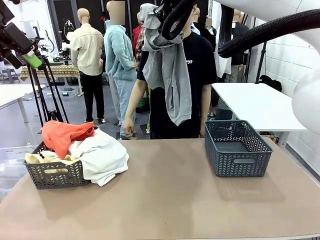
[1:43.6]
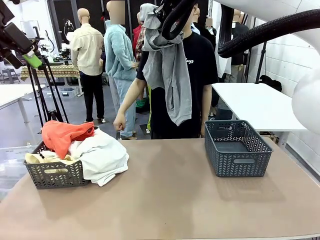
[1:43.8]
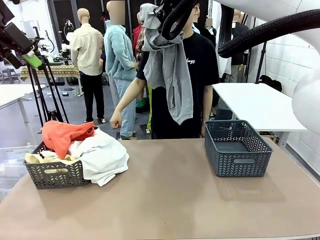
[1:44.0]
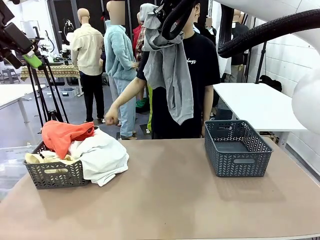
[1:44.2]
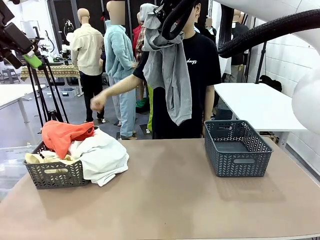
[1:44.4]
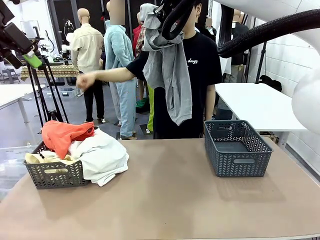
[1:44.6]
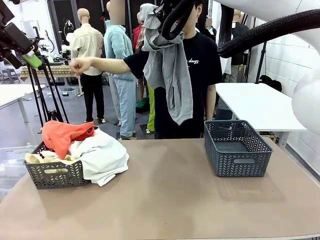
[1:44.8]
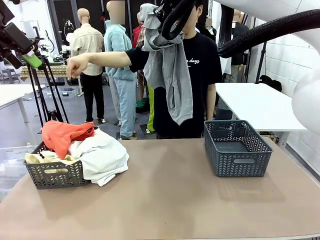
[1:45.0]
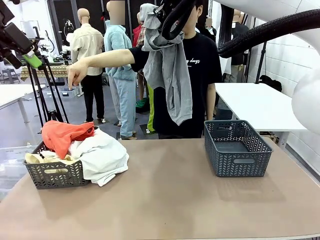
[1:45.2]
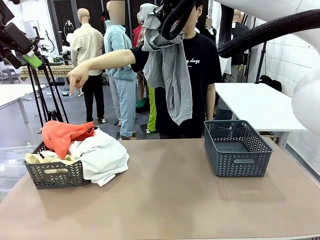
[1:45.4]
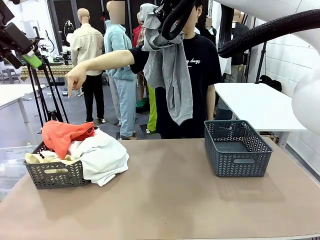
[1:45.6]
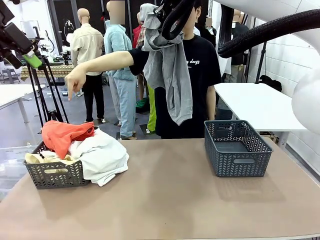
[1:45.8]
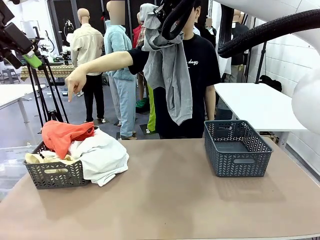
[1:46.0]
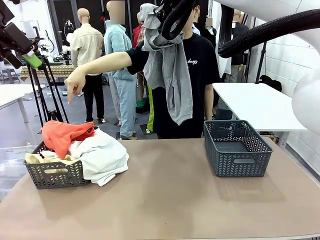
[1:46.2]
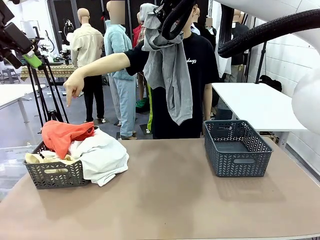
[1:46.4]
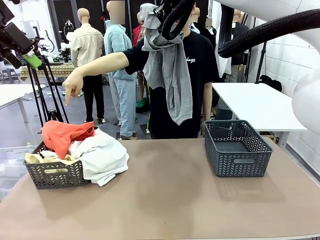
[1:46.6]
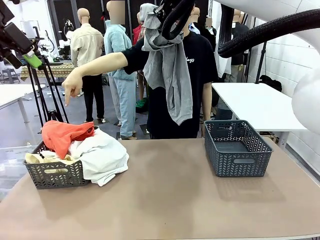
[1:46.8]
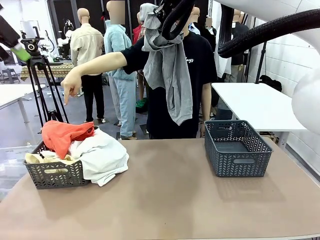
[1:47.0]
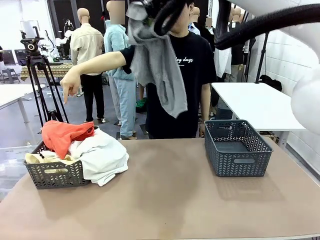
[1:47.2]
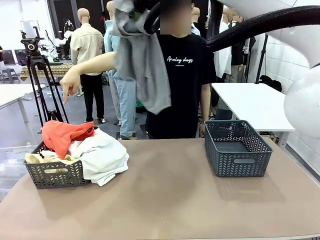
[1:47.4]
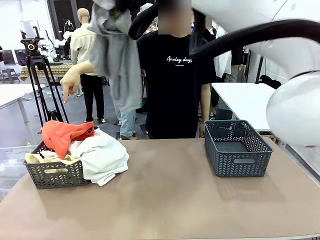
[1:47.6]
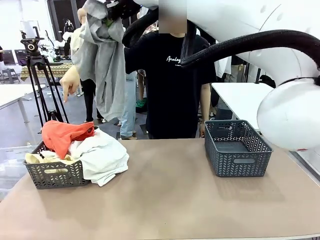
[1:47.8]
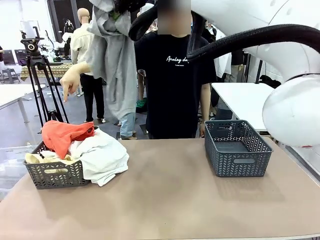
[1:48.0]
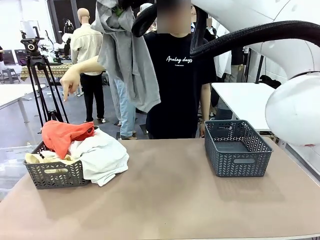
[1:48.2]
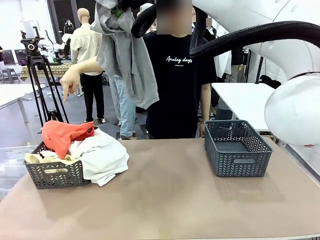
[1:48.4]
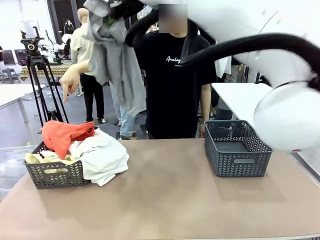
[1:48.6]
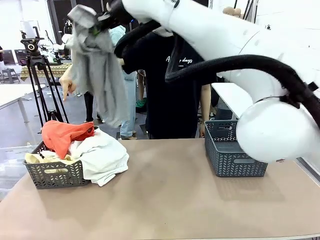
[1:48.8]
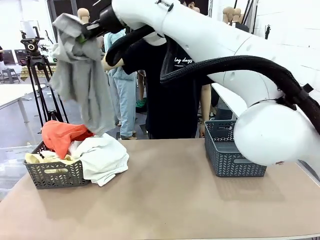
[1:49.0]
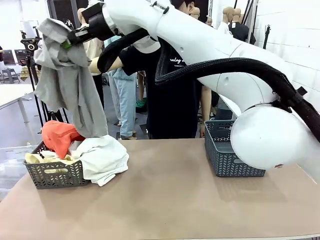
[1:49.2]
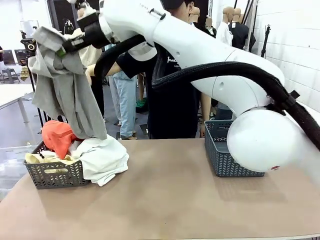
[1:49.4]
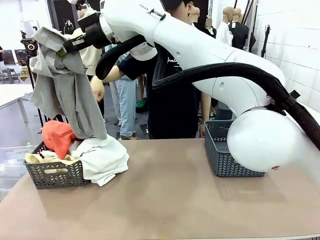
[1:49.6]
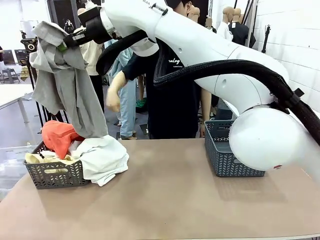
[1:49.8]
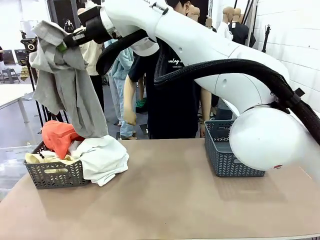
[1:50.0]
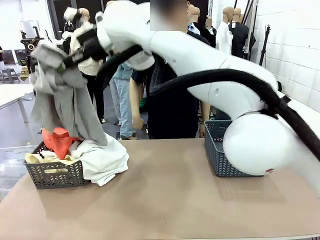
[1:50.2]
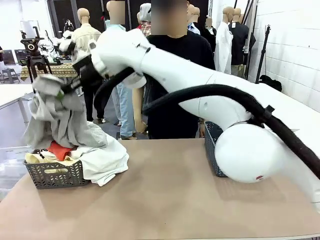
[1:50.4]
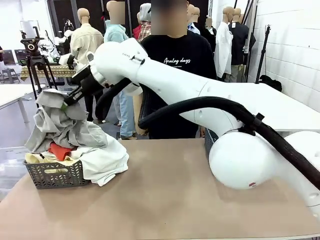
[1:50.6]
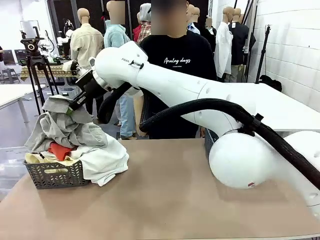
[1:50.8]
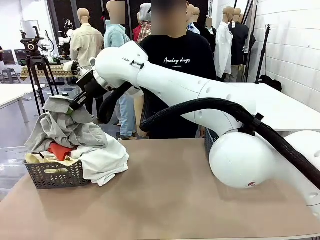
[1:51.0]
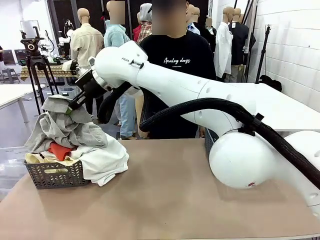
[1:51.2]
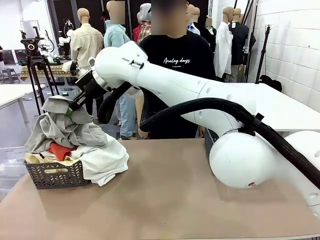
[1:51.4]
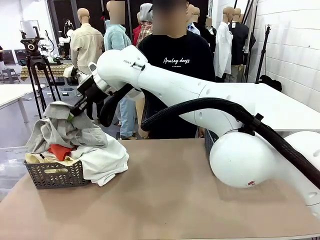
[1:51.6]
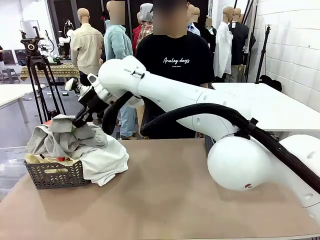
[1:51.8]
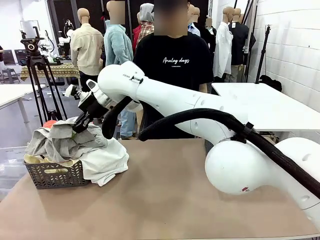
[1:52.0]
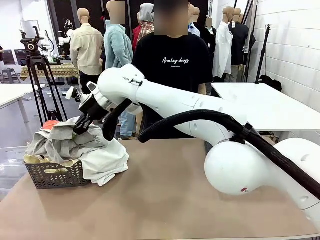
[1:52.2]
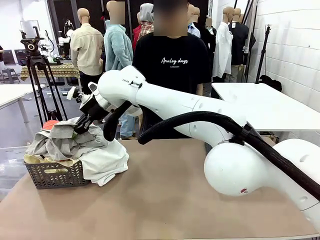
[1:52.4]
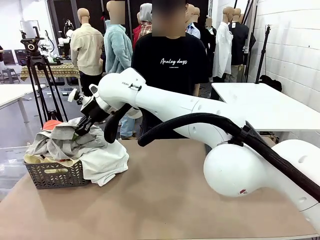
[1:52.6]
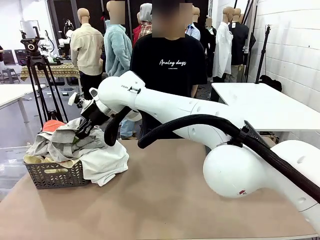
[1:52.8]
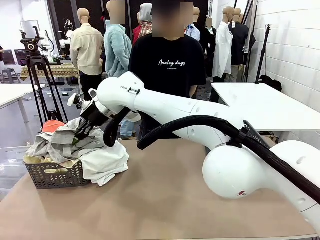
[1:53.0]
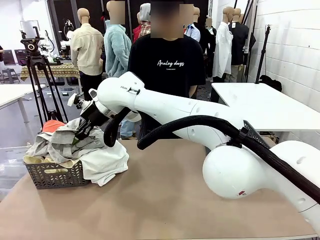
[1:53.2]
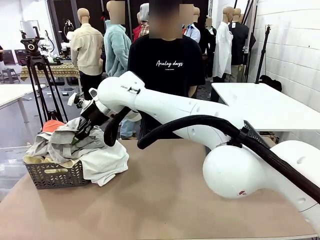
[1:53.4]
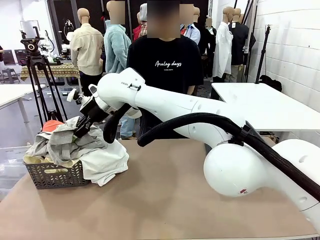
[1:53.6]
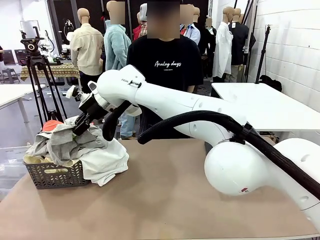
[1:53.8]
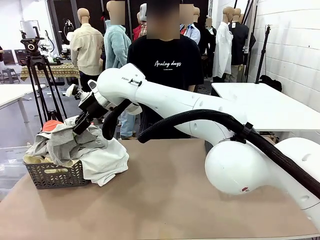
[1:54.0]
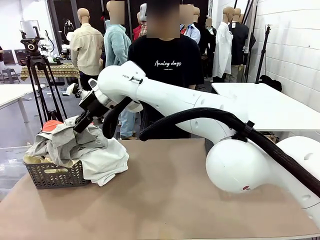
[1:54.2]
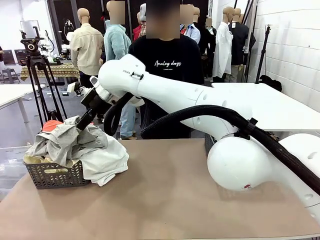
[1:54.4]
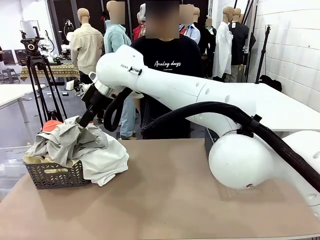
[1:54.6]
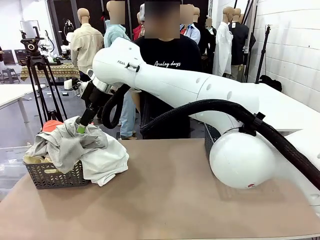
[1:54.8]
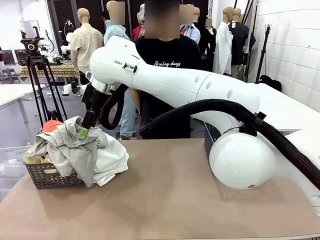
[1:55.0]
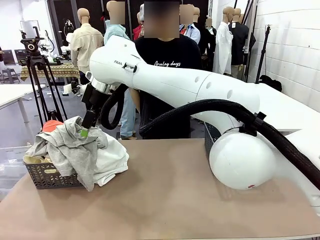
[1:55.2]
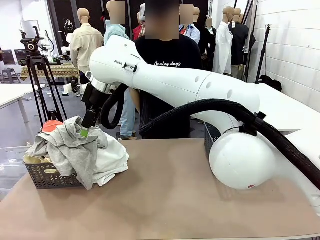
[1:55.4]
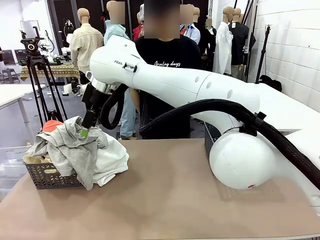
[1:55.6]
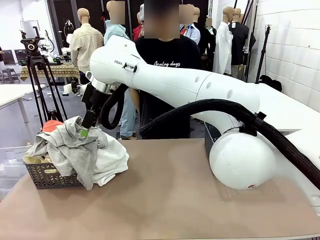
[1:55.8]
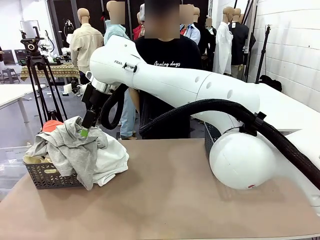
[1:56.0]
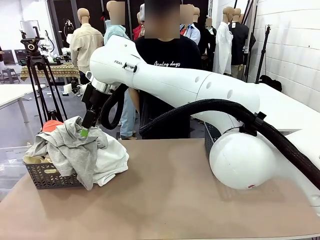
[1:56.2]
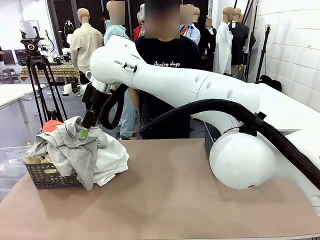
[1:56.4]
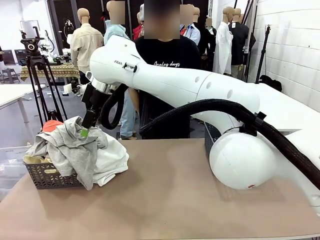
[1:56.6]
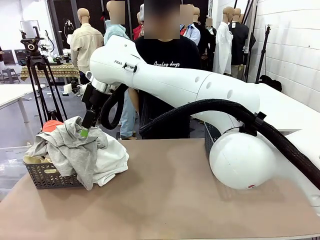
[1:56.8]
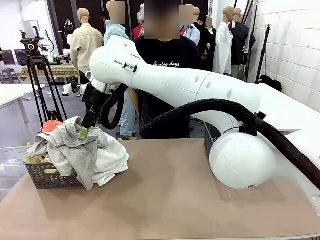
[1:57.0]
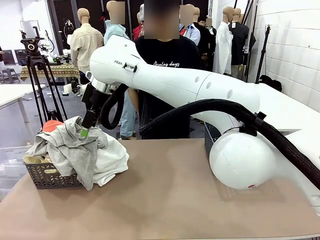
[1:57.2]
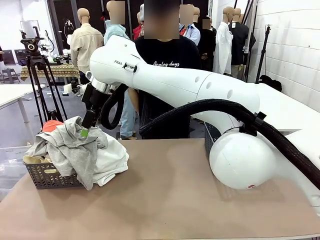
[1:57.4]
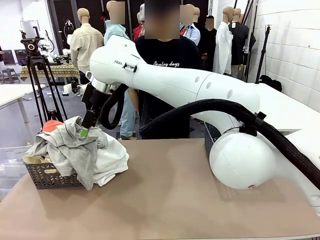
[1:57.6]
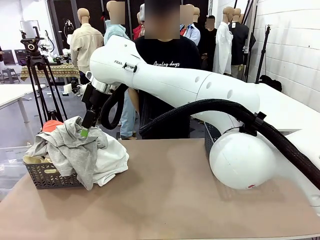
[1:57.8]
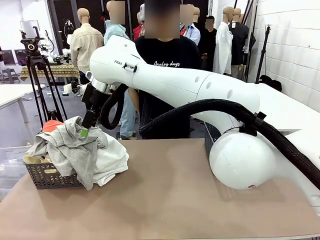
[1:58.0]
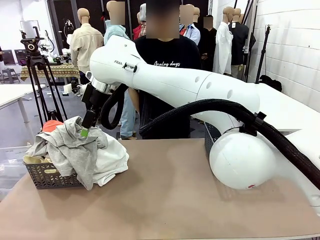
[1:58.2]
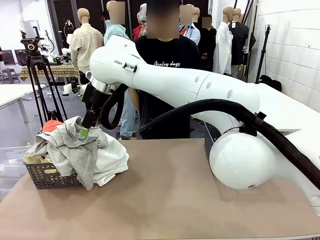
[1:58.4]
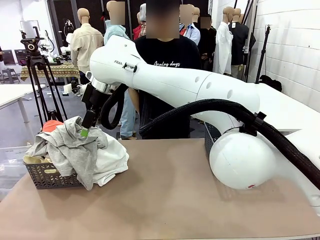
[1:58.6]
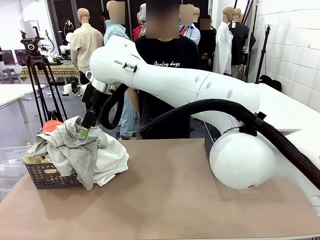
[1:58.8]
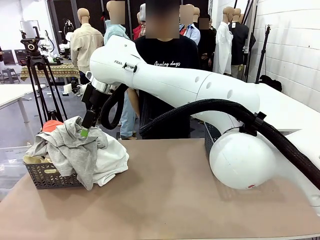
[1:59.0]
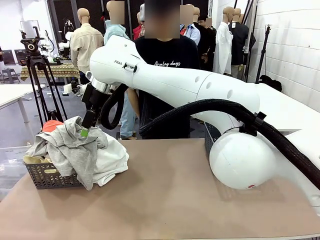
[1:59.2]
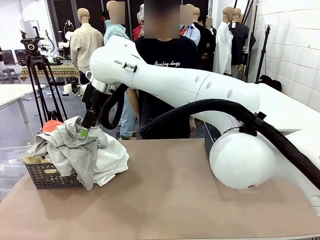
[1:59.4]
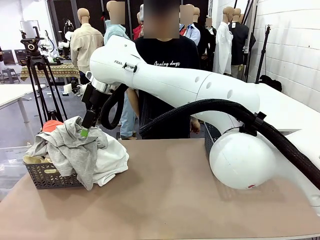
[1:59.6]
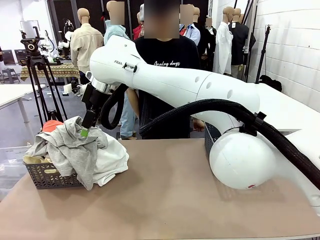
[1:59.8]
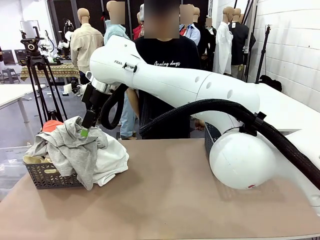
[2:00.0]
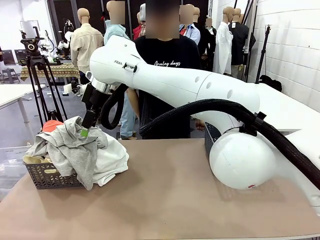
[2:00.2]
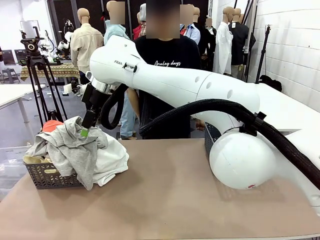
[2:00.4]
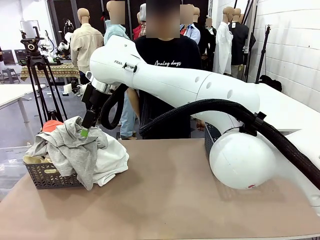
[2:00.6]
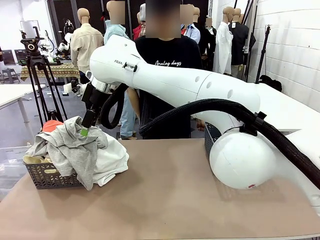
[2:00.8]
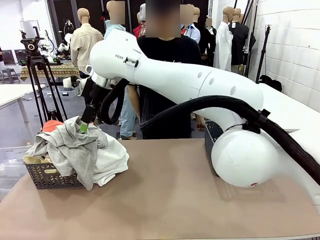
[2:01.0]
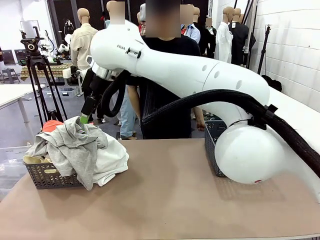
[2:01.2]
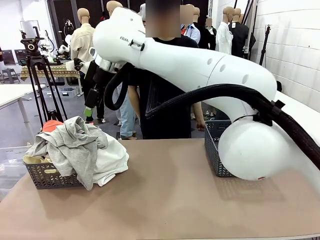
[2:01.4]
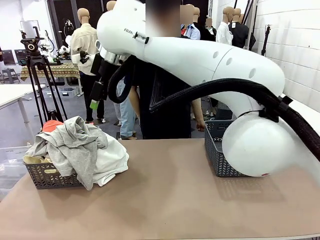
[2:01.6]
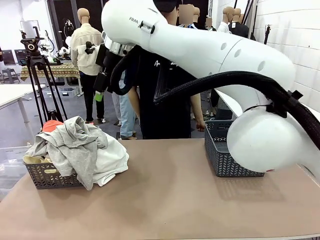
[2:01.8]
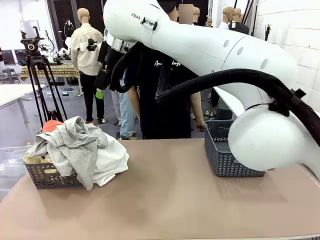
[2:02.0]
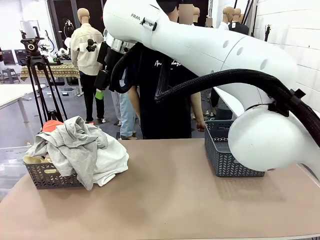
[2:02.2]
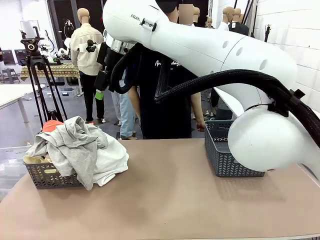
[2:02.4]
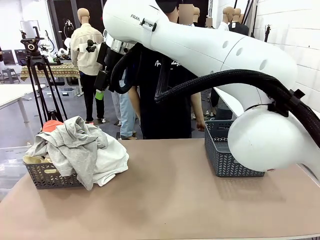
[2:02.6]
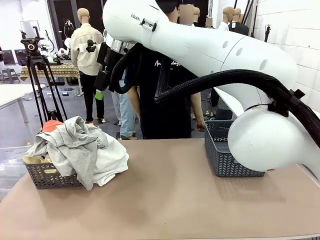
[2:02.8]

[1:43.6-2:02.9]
Task: Sort the tops and bottoms.
Robot: Sort the clothes according to human instructions.
